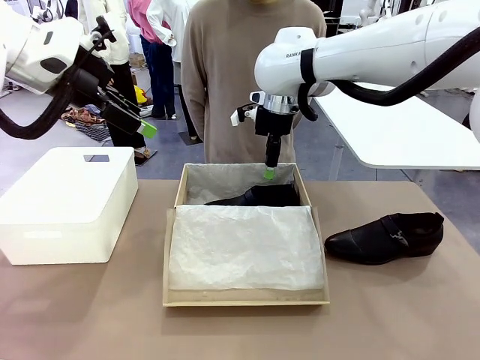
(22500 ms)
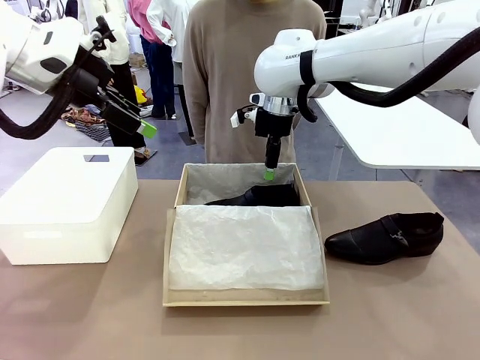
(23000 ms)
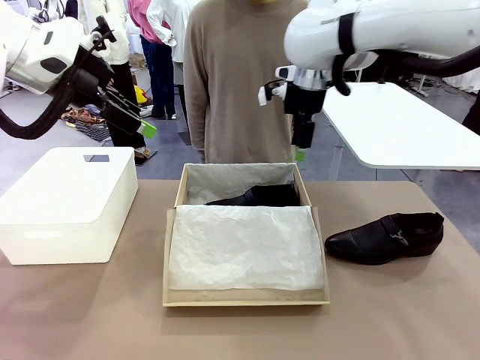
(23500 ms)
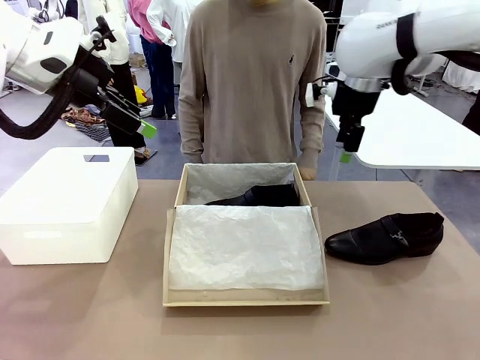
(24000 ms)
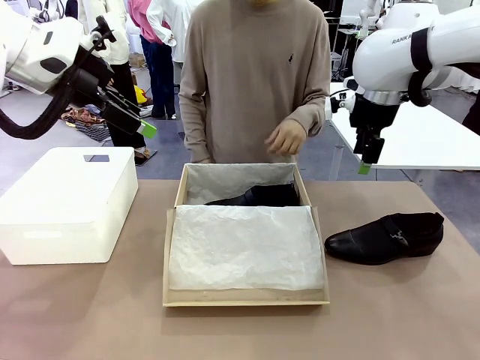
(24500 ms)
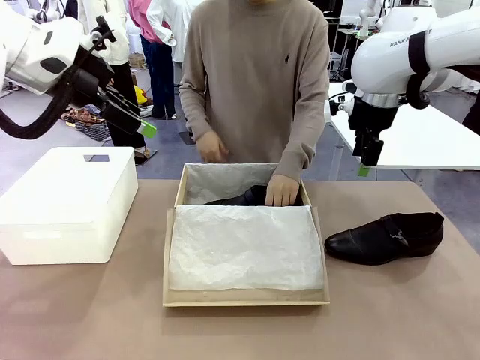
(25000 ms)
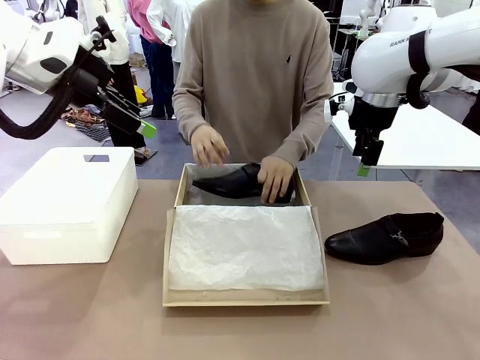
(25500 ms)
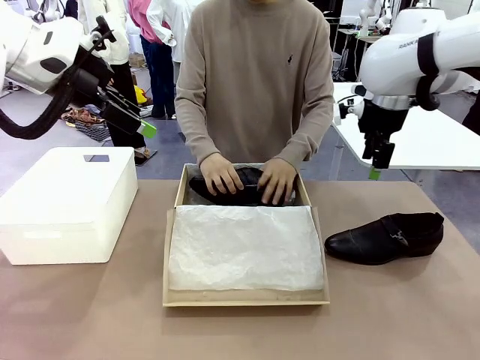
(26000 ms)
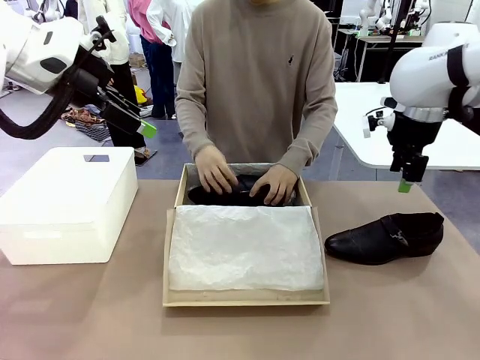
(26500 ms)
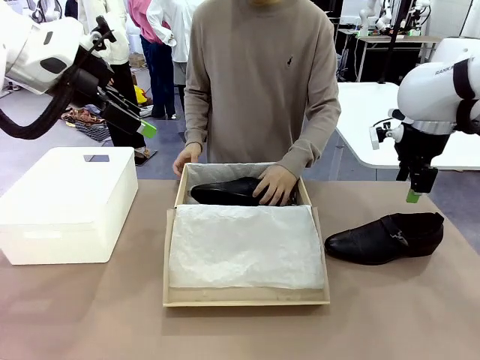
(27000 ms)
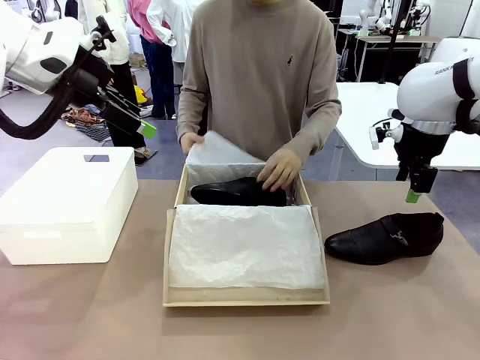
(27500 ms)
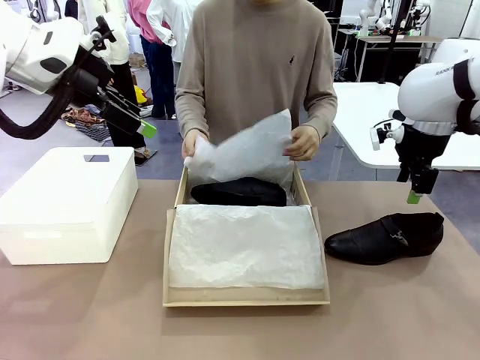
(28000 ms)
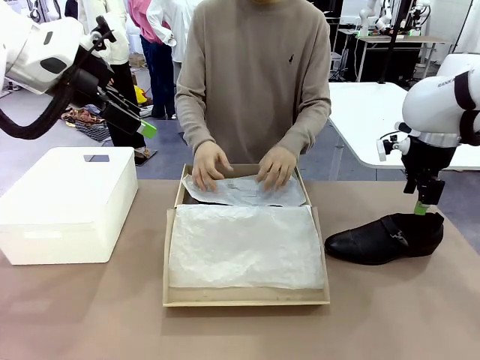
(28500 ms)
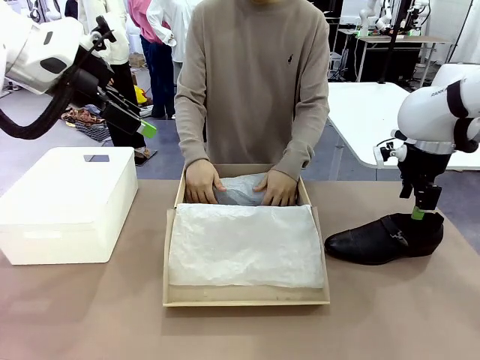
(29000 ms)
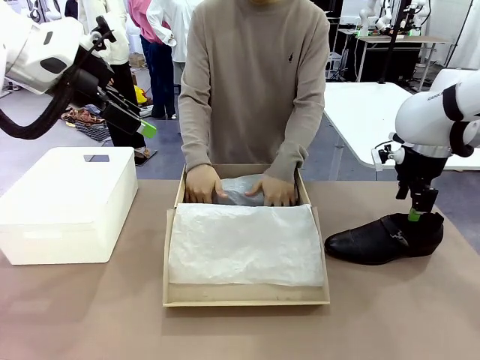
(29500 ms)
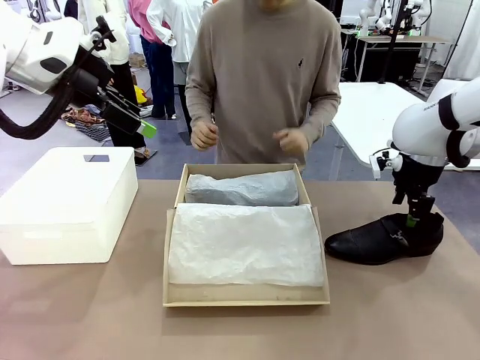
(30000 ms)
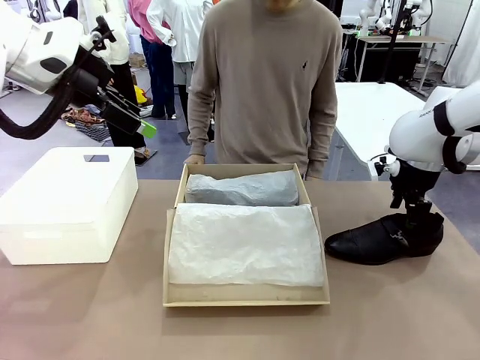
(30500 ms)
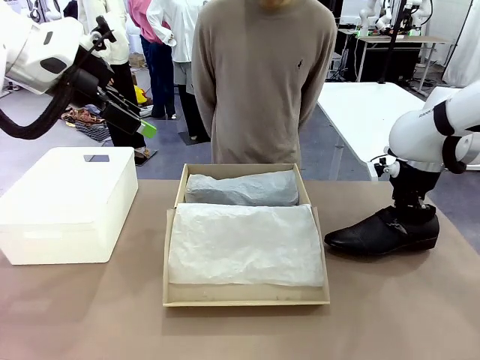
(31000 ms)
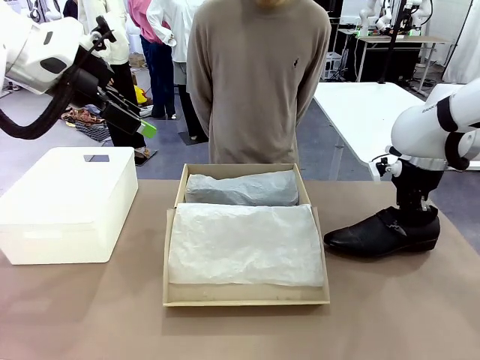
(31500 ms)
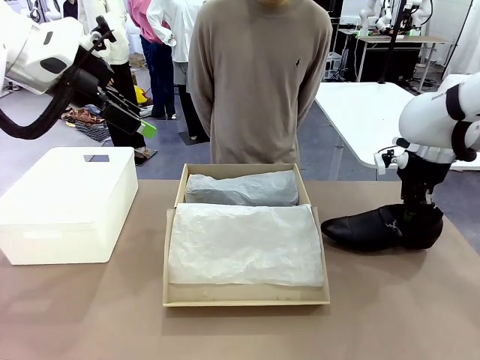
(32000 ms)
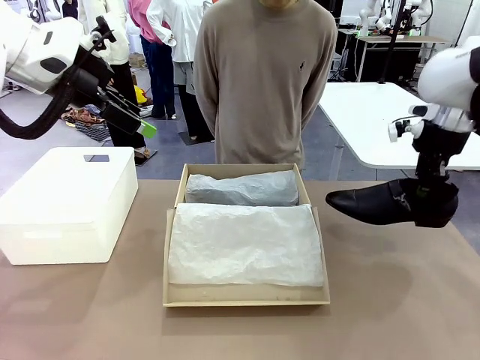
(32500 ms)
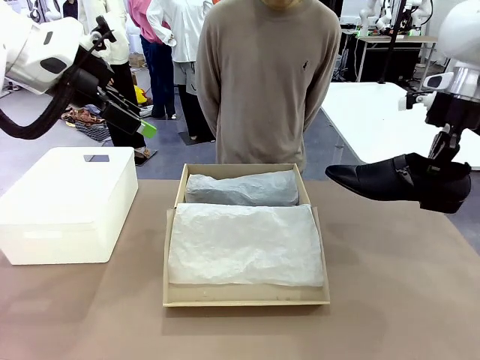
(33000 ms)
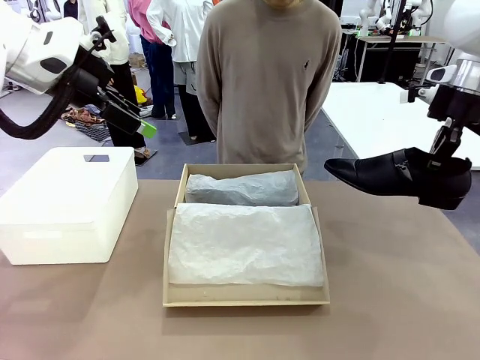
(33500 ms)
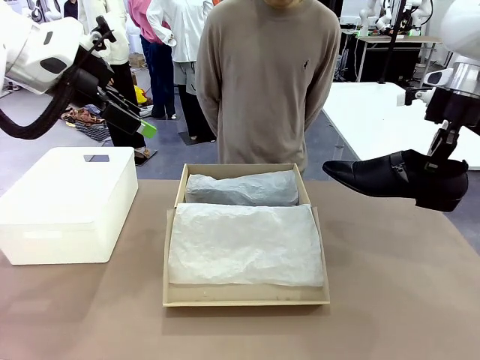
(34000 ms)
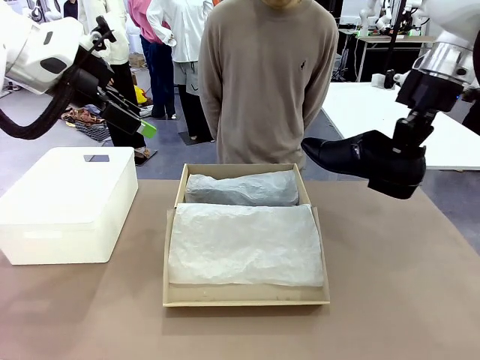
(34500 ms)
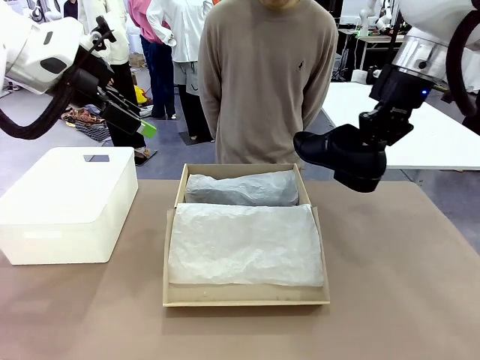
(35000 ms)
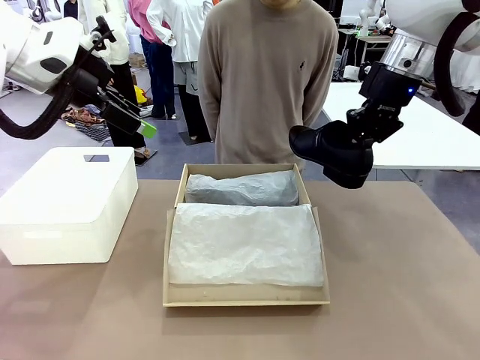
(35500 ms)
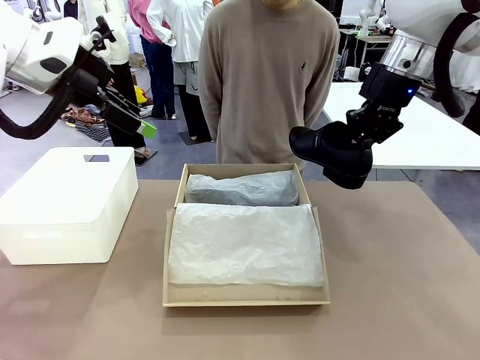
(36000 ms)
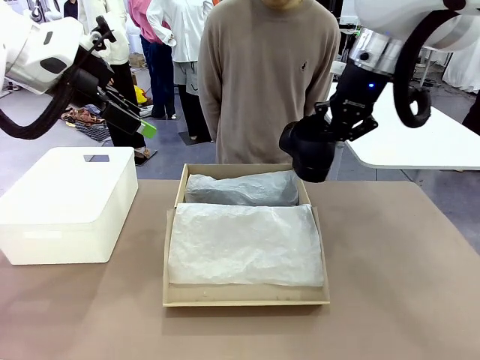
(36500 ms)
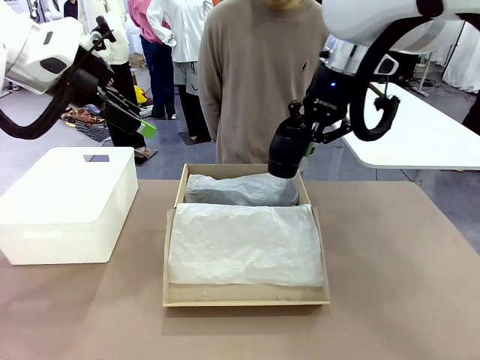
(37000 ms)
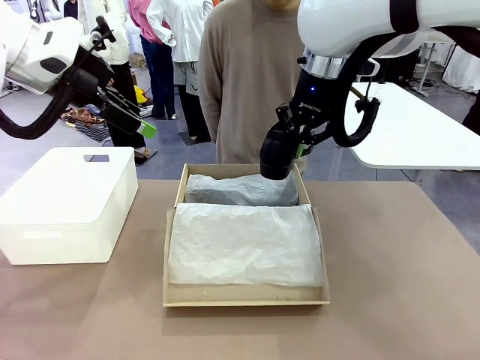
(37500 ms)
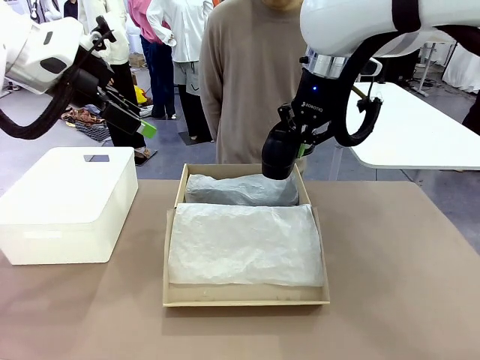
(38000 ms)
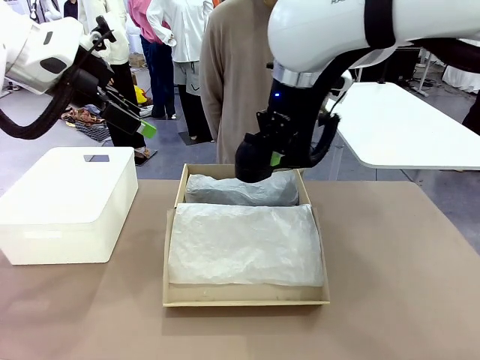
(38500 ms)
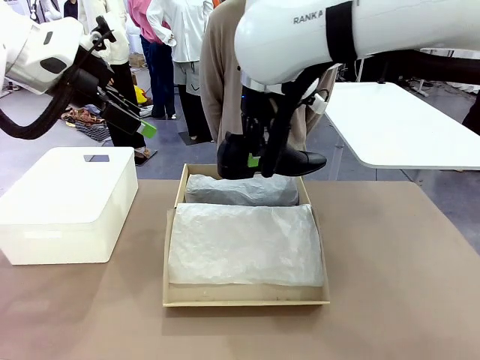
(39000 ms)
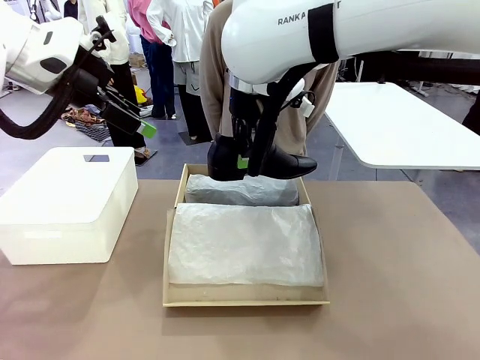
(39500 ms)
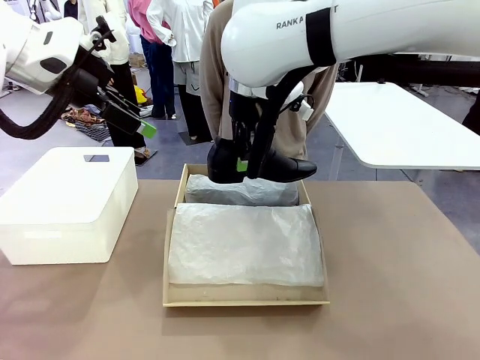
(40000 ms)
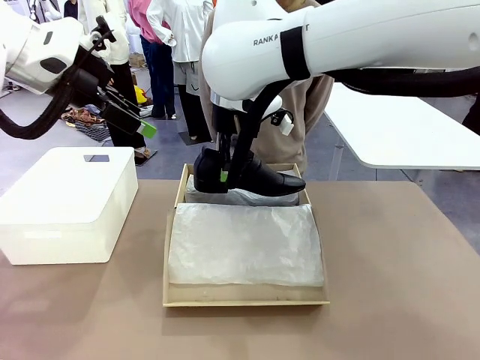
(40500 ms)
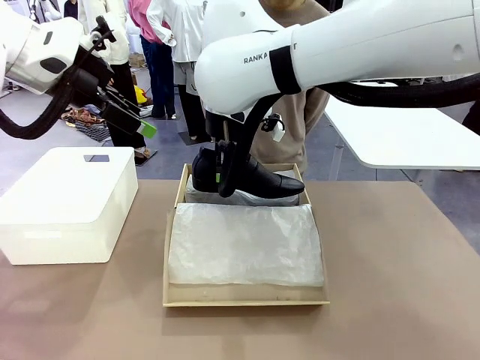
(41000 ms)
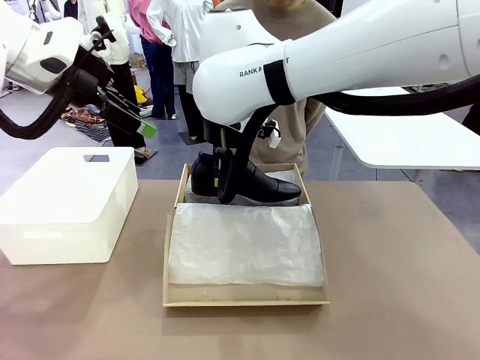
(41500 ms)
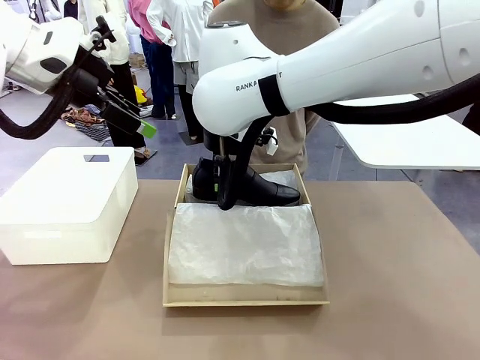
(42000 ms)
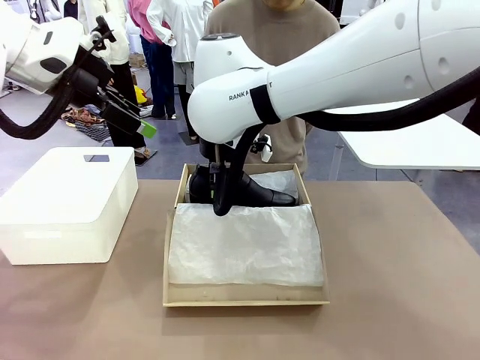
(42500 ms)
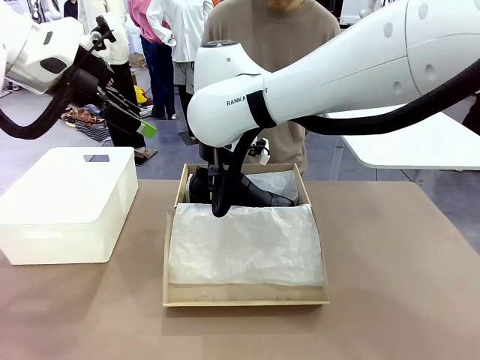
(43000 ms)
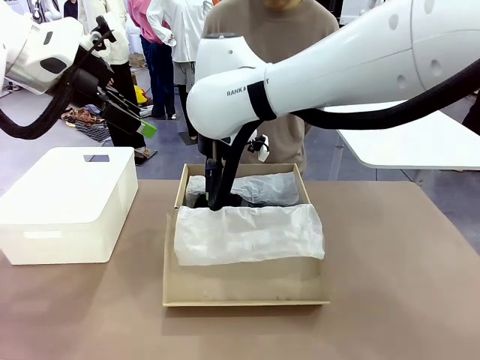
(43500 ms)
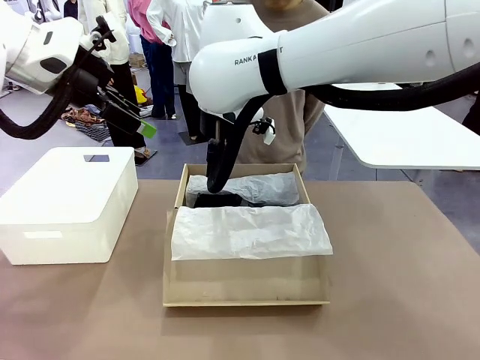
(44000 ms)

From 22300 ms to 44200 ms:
Task: Pack the shoes into the box.
Robot: Place the other shoe of the Shoes into the Shoes Box.
Person: Pack a shoe of Shoes inside the Shoes Box with Shoes Wrapping Paper.

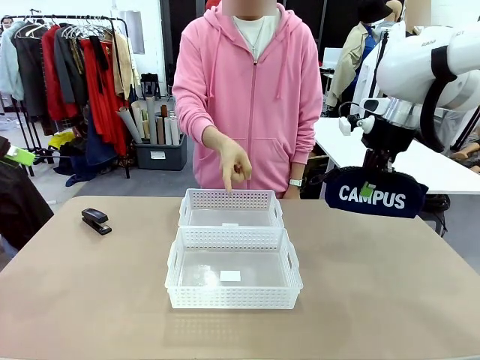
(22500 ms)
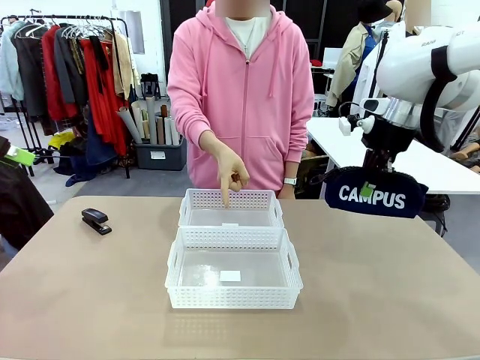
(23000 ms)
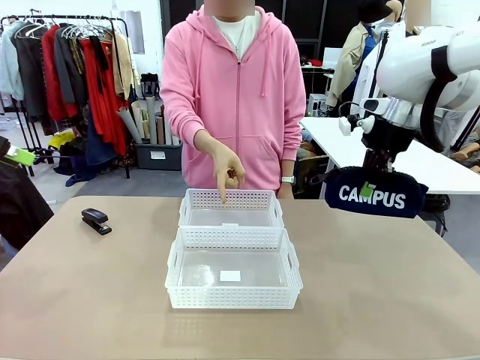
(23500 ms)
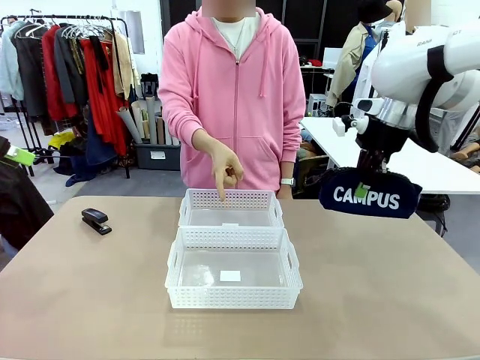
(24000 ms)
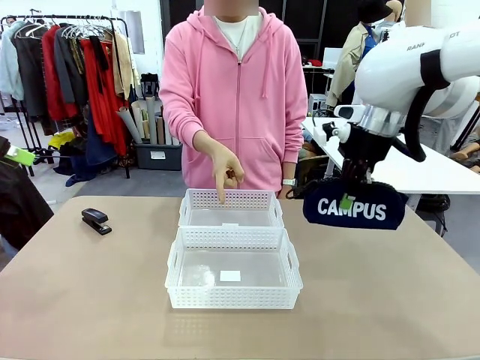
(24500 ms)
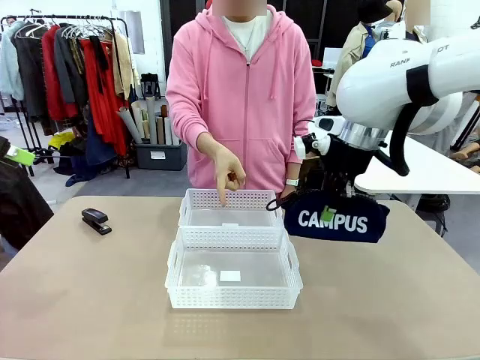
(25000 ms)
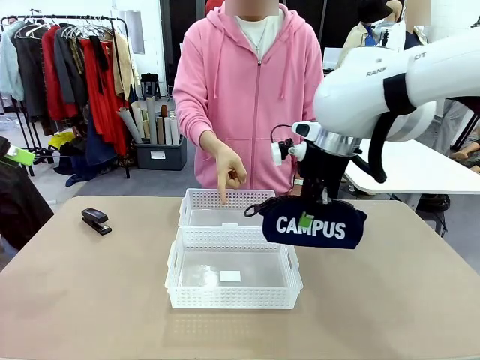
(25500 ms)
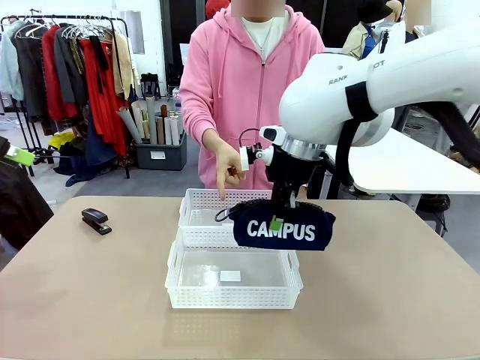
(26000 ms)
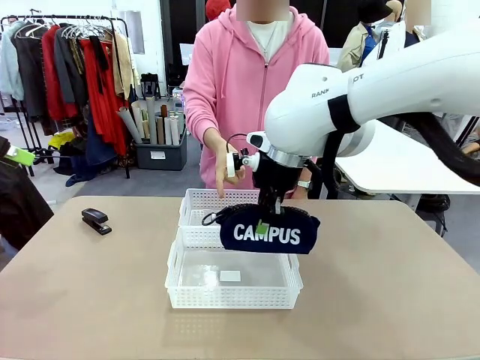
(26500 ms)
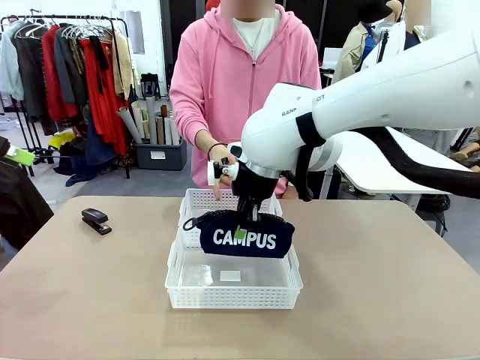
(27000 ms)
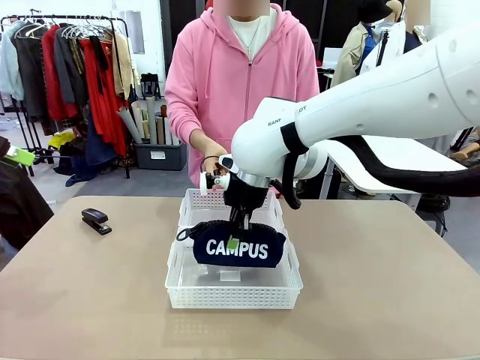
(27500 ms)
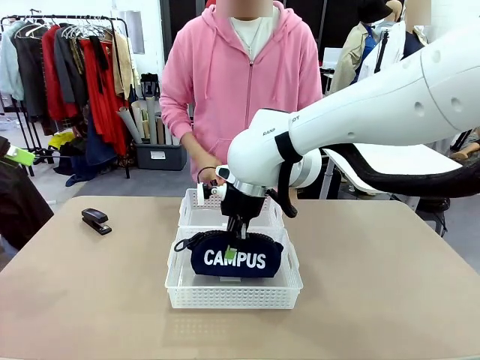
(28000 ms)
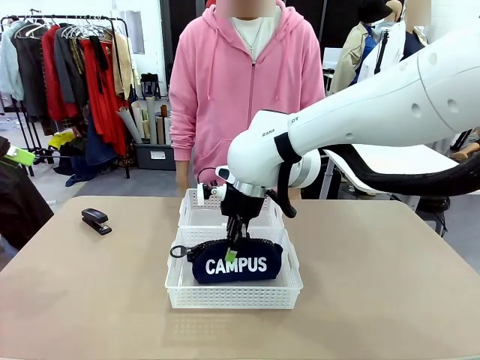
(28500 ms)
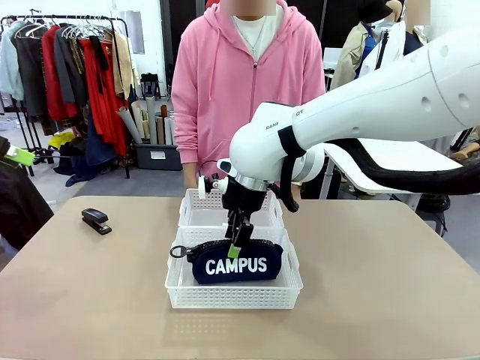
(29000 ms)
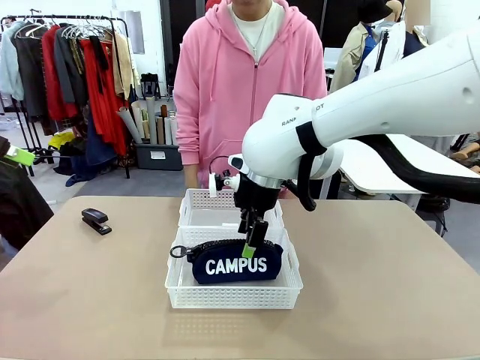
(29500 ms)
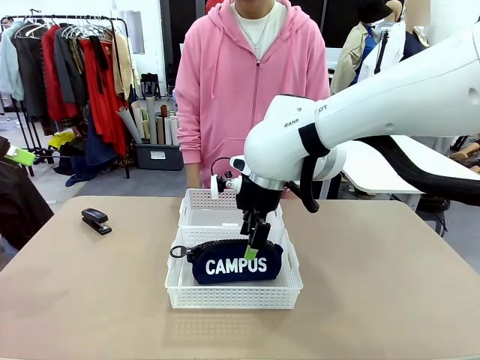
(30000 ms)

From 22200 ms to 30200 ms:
Task: Distribute items into two baskets.
Robot: Place the picked Pencil pouch into the Organizing basket as instructed by the person.
Person: Instructs the robot to place the pencil case into the opposite basket. Points to the stapler.
